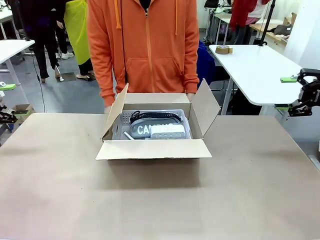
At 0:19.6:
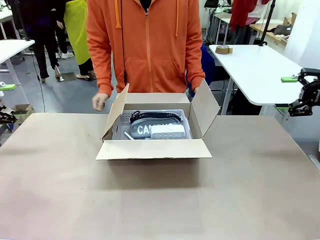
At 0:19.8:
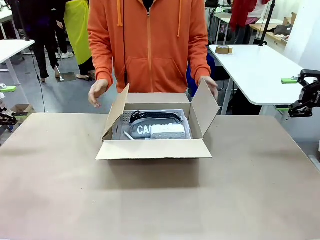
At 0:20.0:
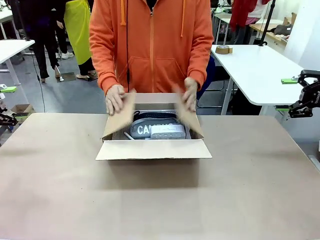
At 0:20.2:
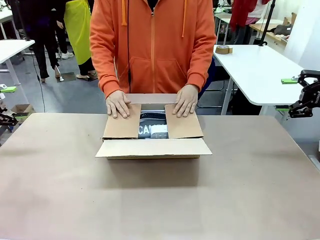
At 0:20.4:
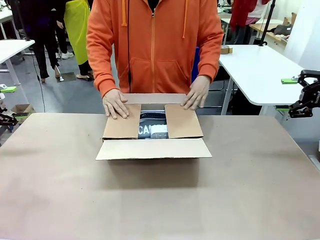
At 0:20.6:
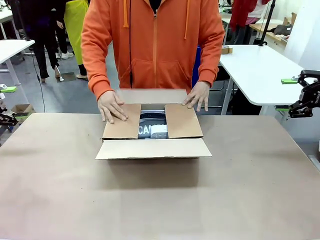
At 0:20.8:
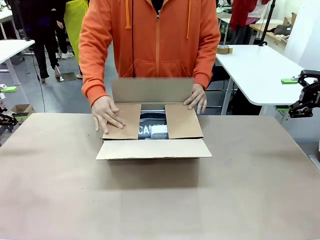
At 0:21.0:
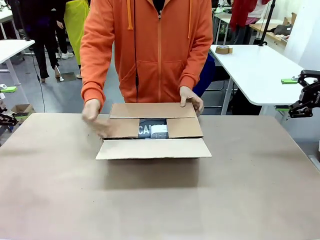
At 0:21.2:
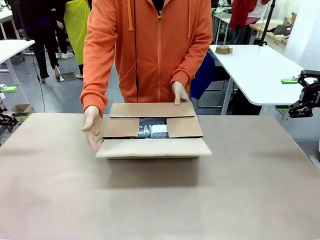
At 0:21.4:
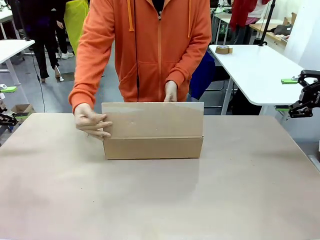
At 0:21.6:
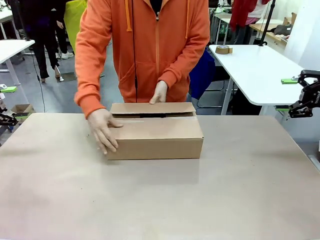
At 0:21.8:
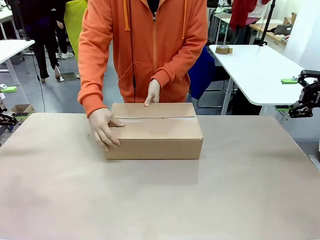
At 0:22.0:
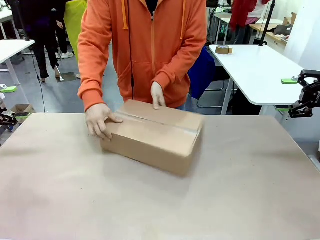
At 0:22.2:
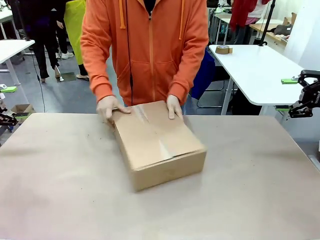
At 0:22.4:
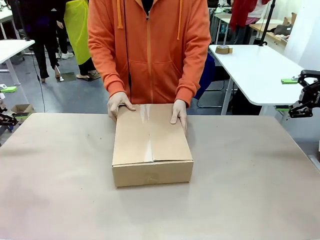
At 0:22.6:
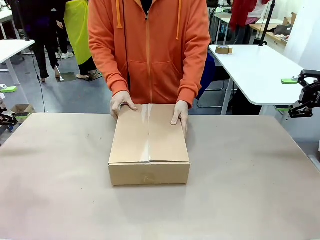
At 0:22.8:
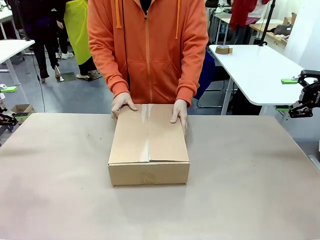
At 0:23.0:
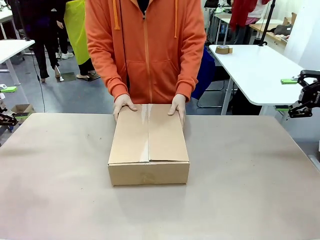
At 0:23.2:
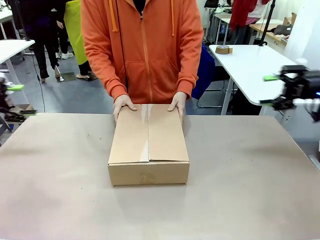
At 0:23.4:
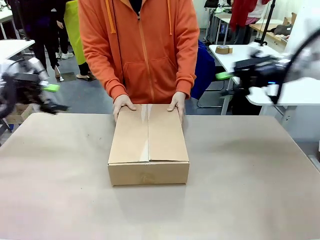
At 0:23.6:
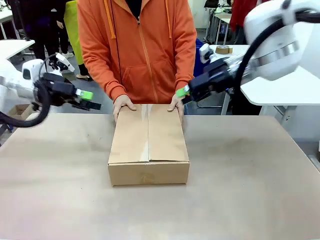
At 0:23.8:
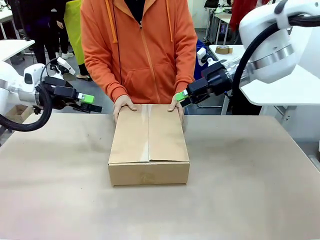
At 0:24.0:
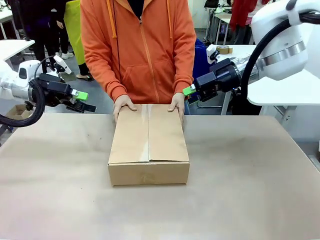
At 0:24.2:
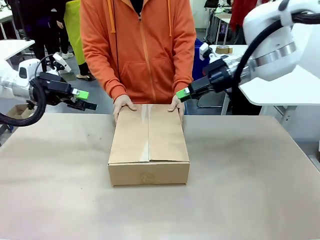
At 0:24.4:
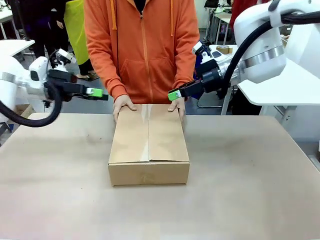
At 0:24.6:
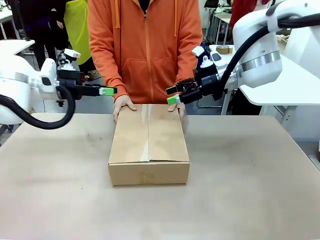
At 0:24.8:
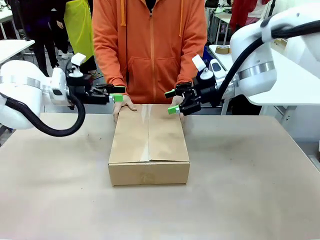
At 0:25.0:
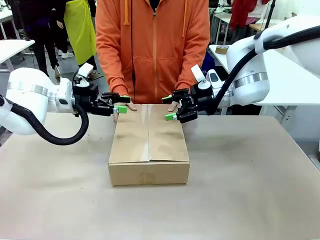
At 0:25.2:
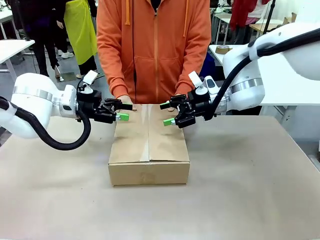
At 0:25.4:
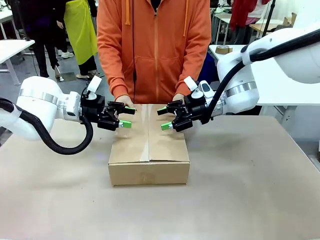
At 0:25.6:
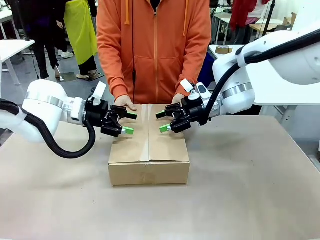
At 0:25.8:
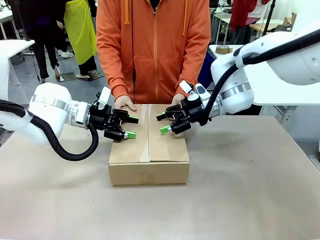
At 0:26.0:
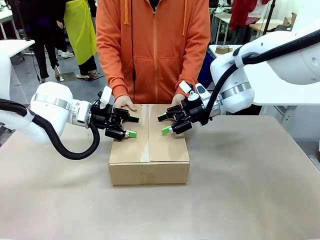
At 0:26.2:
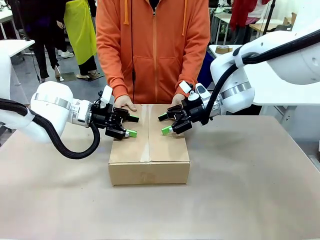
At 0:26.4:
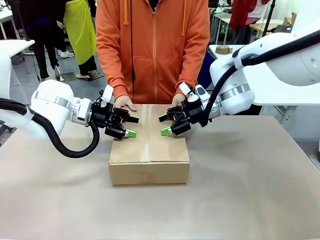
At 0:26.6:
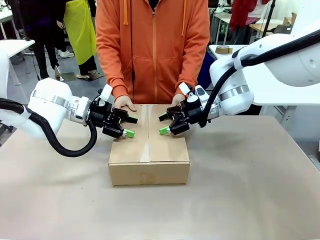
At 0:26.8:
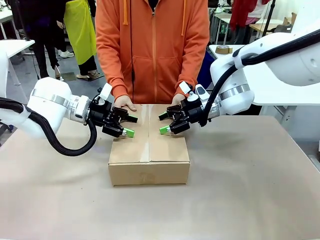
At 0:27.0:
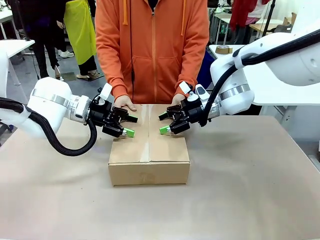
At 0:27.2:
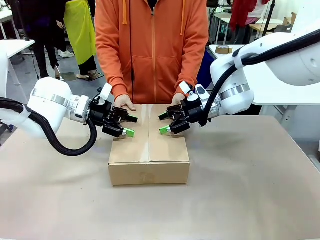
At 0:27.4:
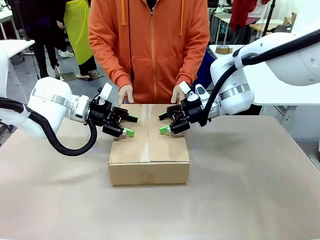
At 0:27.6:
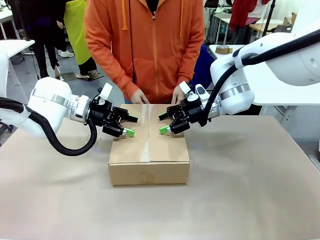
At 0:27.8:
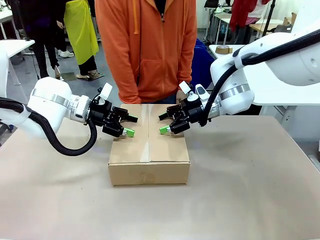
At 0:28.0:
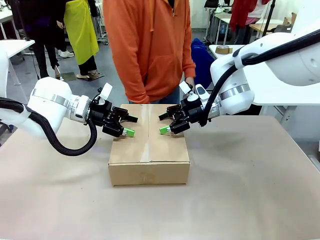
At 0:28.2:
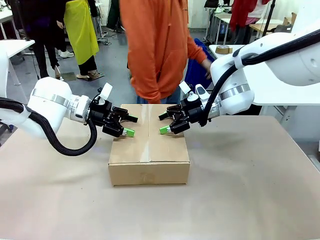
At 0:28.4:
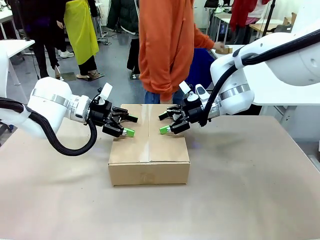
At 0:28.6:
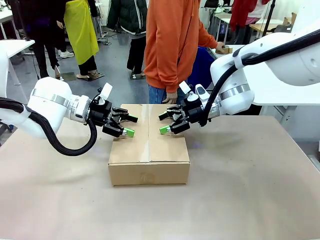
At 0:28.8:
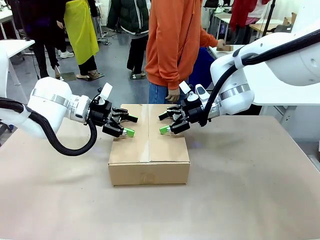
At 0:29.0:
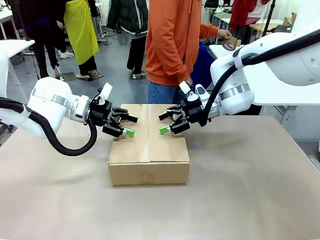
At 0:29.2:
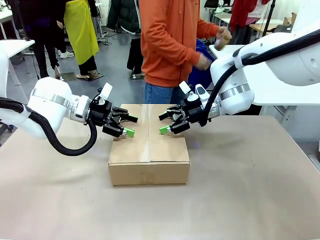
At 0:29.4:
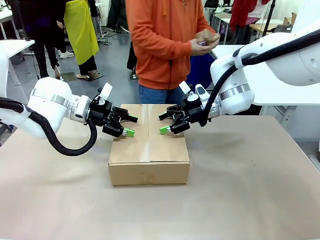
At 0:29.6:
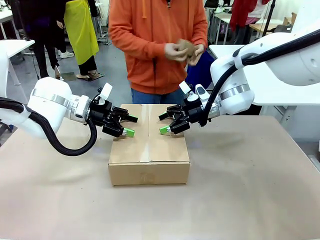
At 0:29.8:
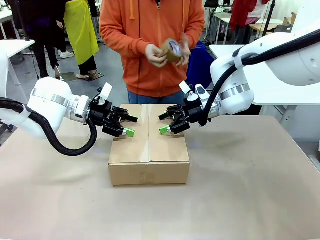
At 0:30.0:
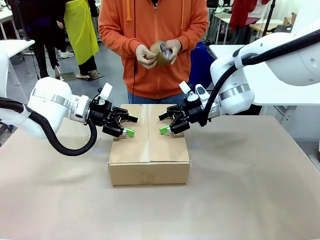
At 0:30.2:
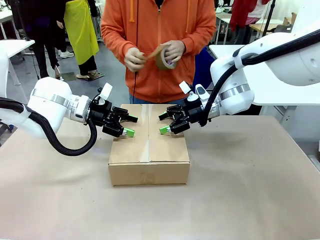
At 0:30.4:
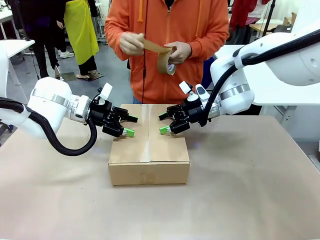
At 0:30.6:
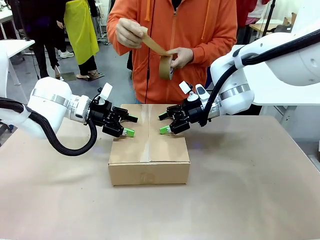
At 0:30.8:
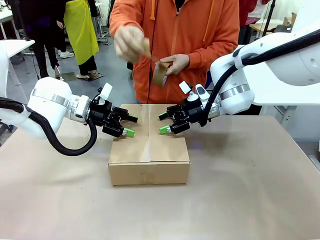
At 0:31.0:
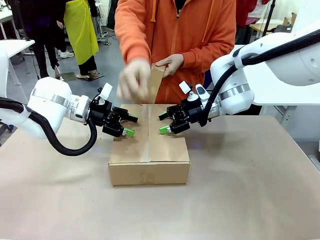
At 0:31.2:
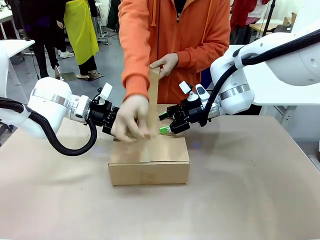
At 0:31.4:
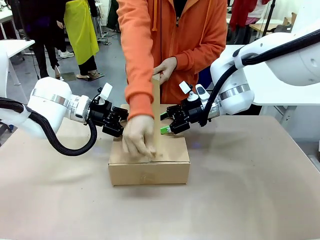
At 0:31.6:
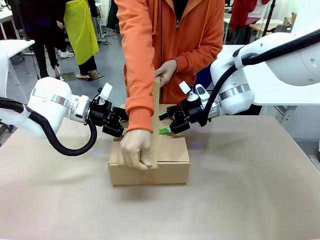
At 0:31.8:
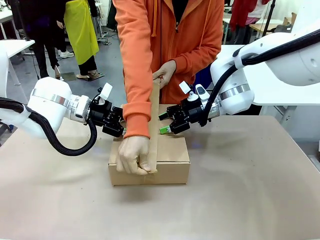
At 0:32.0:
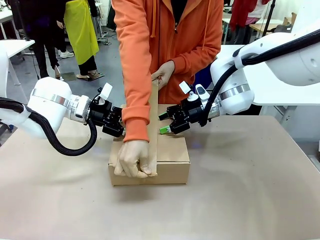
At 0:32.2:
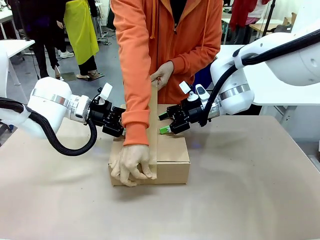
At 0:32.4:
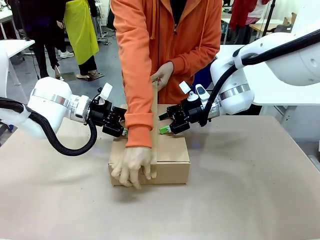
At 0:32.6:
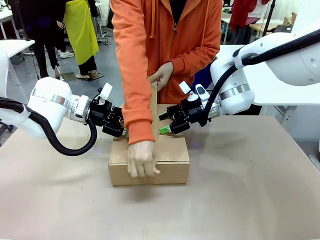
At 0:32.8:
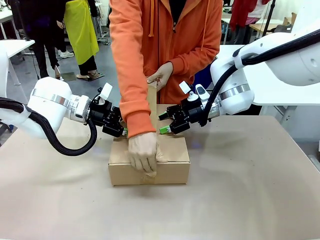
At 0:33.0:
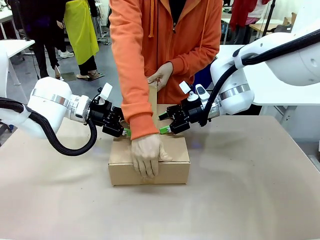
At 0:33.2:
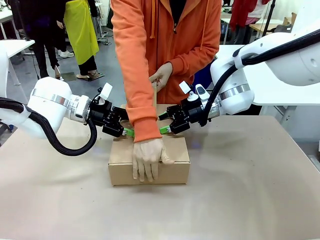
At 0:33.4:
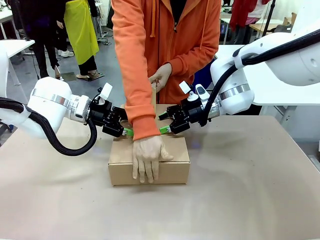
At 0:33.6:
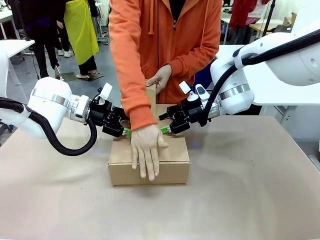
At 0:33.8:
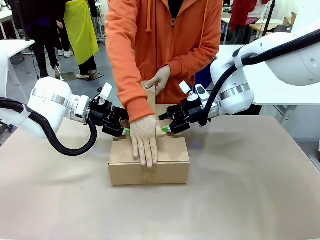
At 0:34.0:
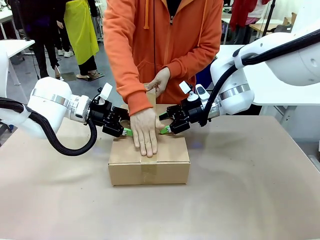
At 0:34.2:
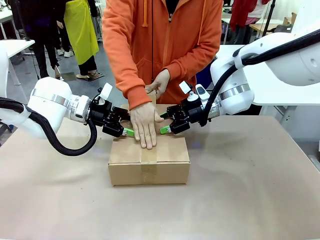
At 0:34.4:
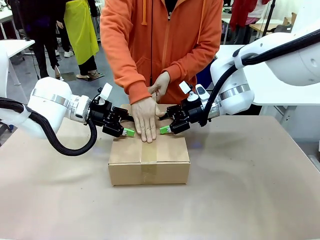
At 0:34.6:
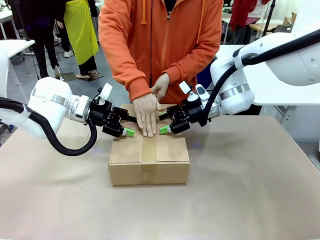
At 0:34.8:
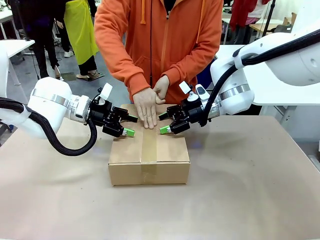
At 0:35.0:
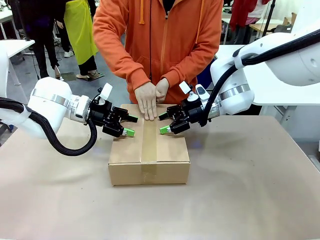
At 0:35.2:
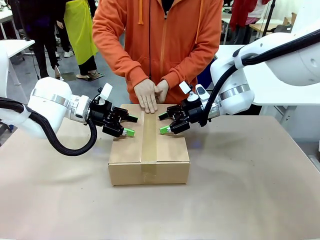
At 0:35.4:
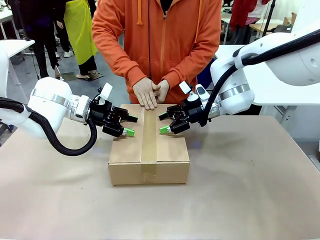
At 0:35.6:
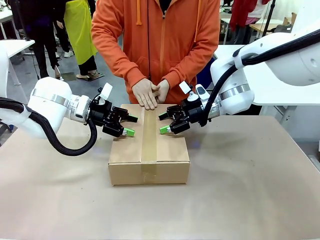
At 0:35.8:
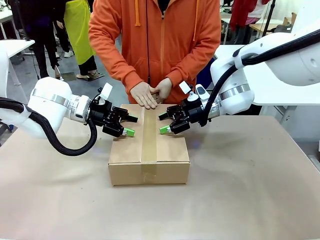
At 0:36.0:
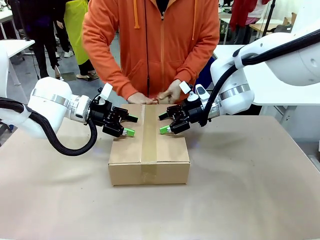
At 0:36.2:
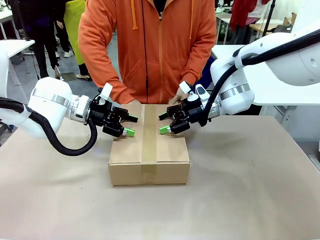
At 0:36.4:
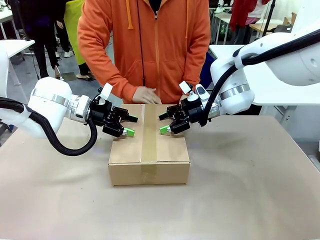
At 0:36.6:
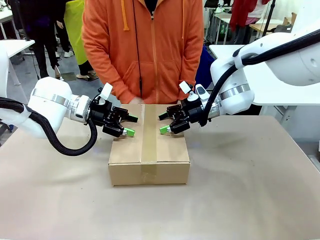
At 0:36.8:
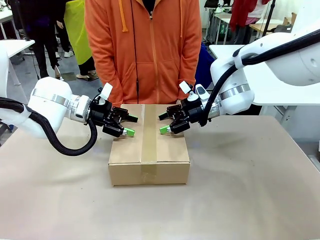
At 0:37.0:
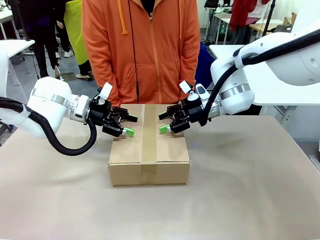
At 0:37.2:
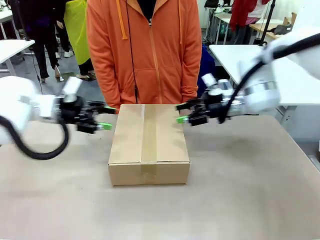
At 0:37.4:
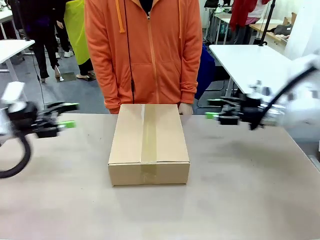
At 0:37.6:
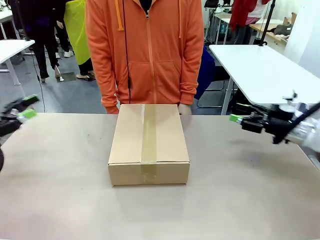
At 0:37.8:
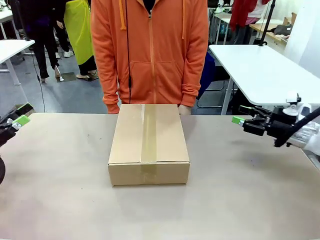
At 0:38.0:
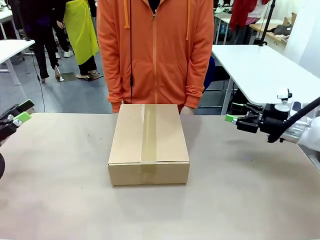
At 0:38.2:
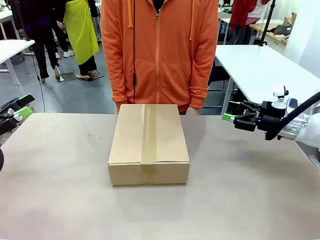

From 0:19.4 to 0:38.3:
Task: Pack the gift set into the box.
Robot: Press and hold the closed box until the human finishes sealing it.
Person: The human closes the box and rotates the box by 90 degrees. The human picks up the paper tape from the human table and packs the box.
